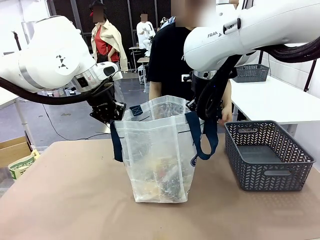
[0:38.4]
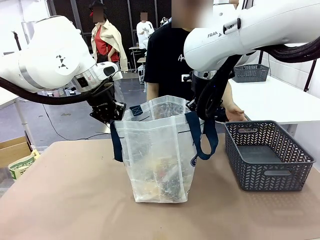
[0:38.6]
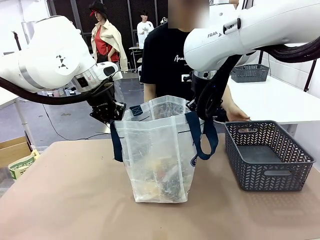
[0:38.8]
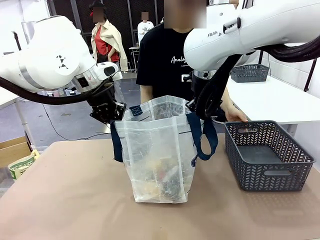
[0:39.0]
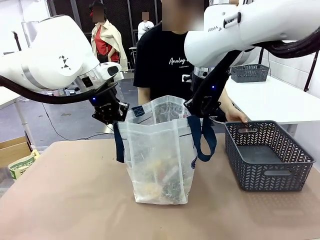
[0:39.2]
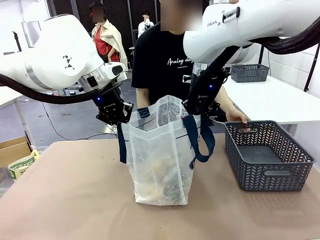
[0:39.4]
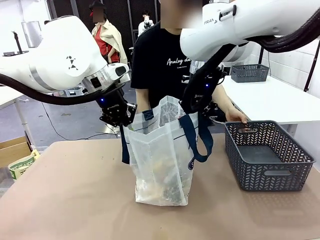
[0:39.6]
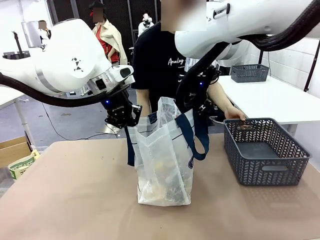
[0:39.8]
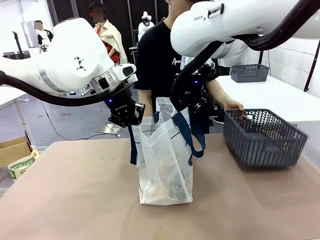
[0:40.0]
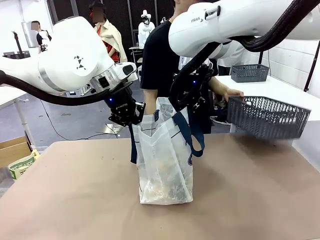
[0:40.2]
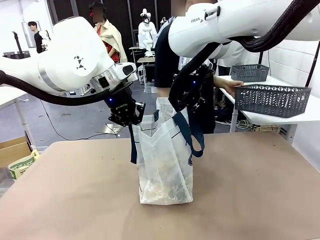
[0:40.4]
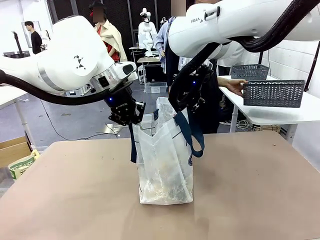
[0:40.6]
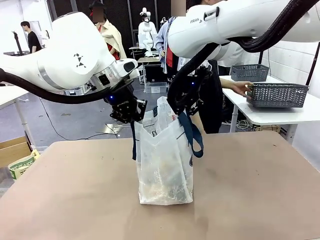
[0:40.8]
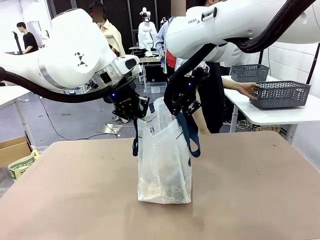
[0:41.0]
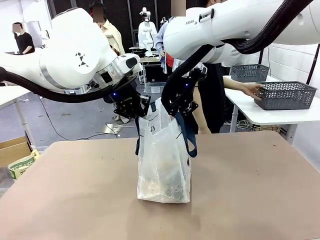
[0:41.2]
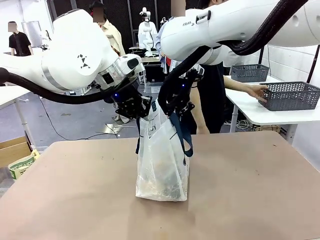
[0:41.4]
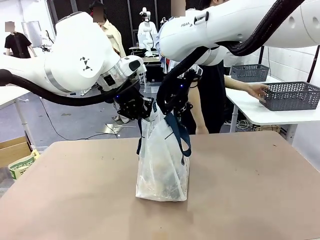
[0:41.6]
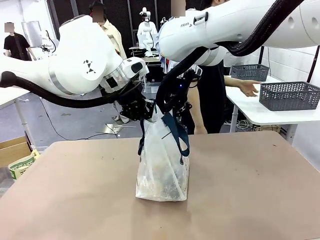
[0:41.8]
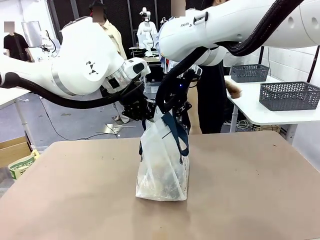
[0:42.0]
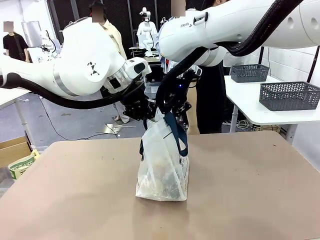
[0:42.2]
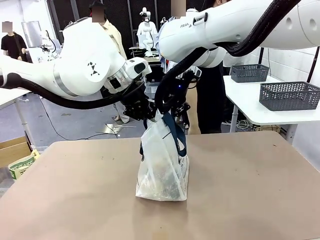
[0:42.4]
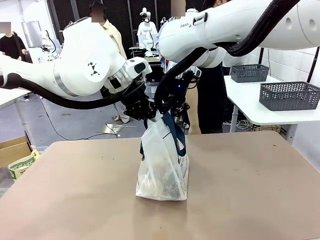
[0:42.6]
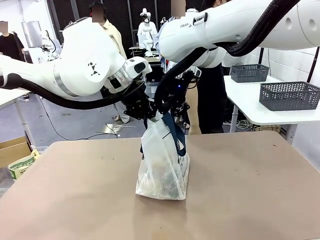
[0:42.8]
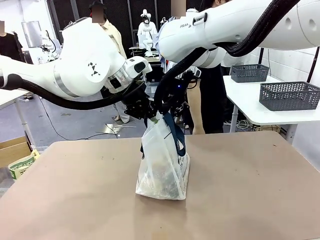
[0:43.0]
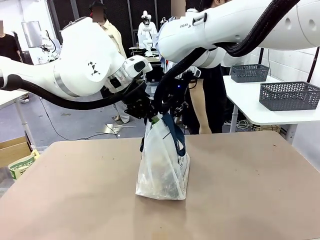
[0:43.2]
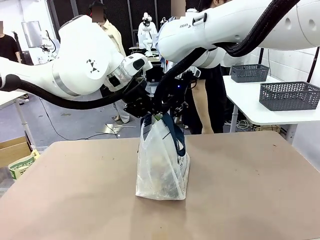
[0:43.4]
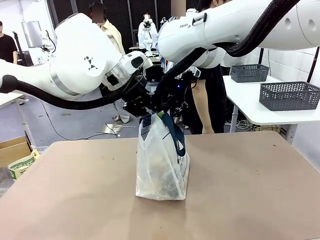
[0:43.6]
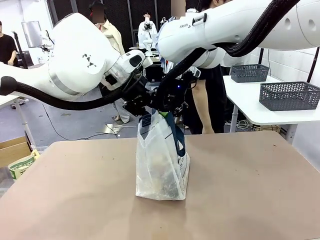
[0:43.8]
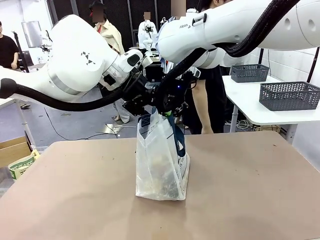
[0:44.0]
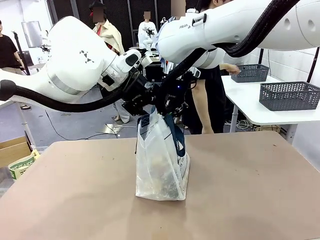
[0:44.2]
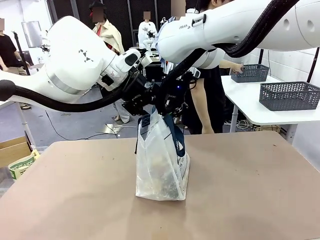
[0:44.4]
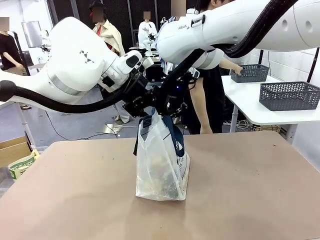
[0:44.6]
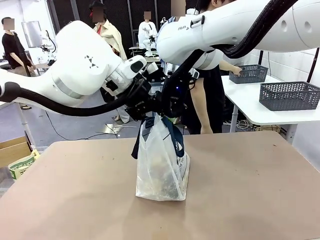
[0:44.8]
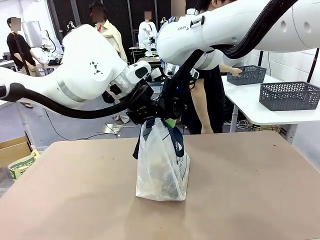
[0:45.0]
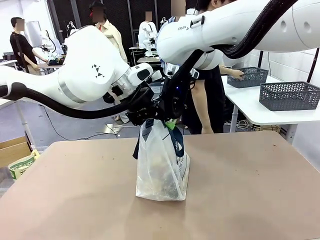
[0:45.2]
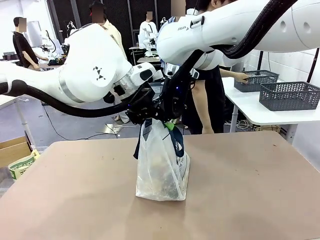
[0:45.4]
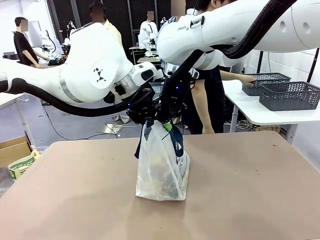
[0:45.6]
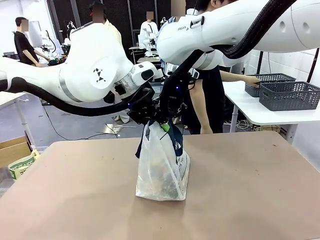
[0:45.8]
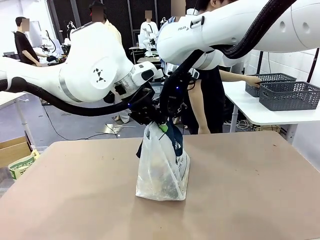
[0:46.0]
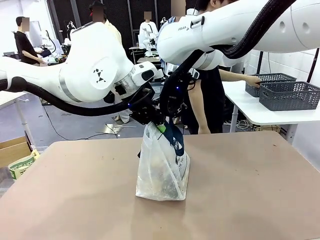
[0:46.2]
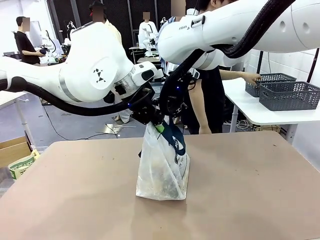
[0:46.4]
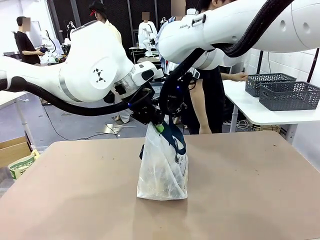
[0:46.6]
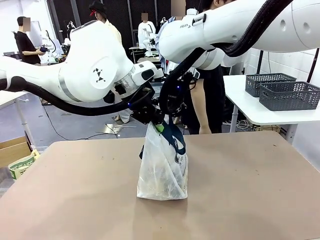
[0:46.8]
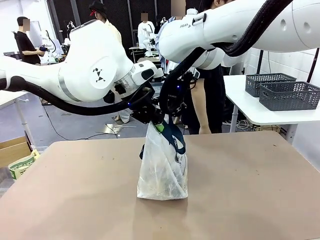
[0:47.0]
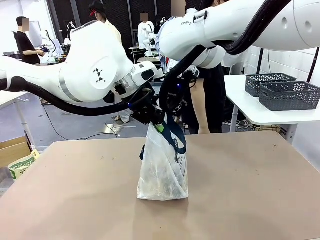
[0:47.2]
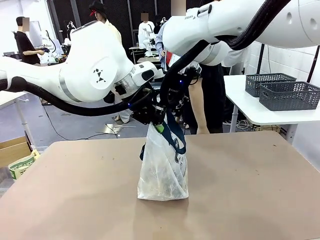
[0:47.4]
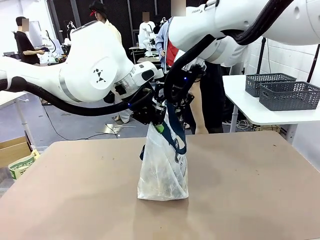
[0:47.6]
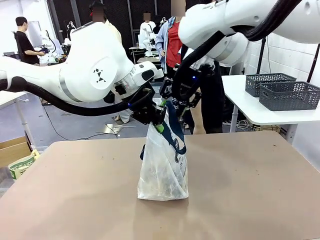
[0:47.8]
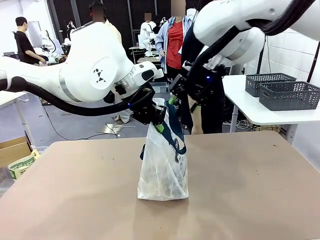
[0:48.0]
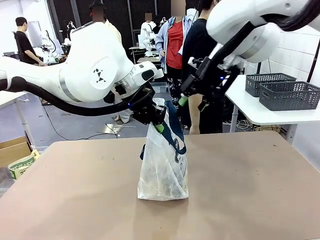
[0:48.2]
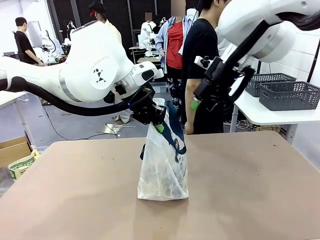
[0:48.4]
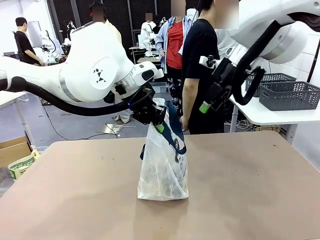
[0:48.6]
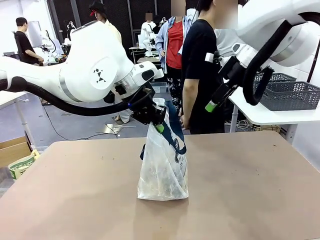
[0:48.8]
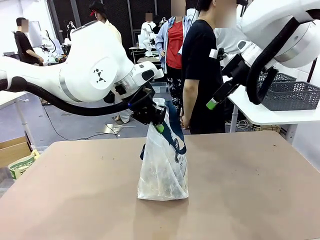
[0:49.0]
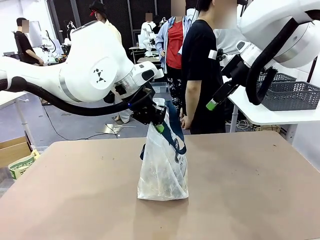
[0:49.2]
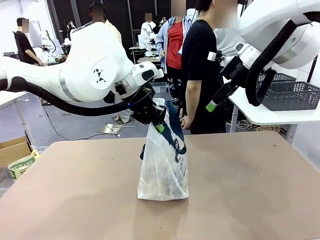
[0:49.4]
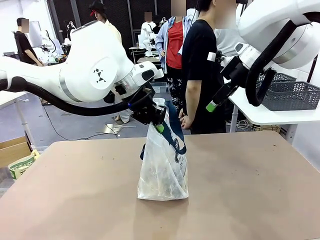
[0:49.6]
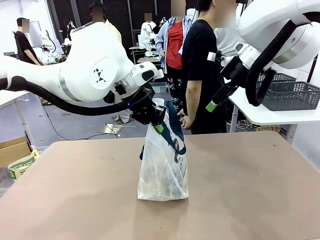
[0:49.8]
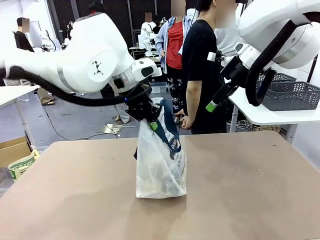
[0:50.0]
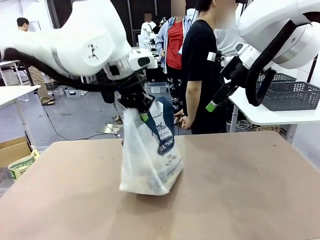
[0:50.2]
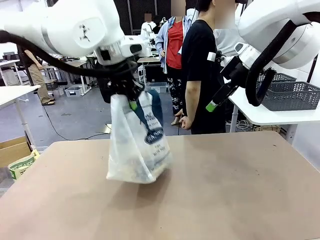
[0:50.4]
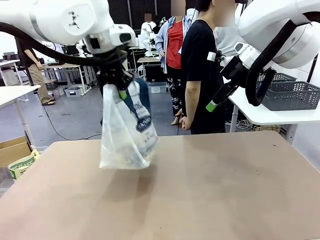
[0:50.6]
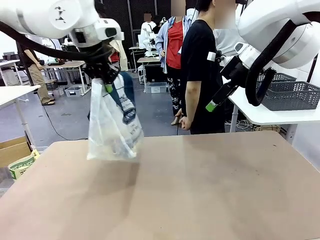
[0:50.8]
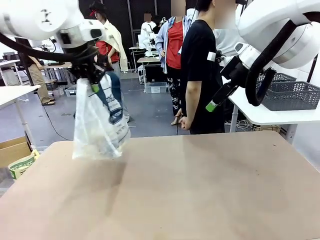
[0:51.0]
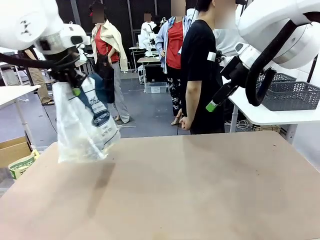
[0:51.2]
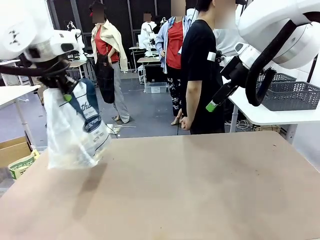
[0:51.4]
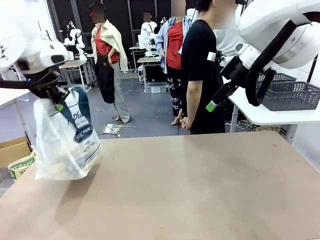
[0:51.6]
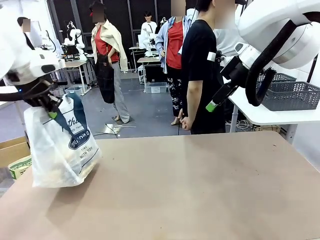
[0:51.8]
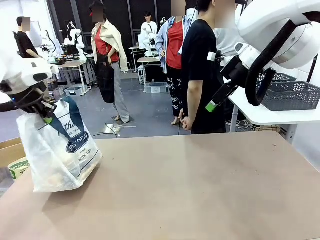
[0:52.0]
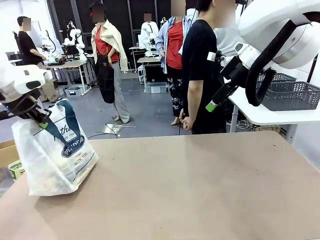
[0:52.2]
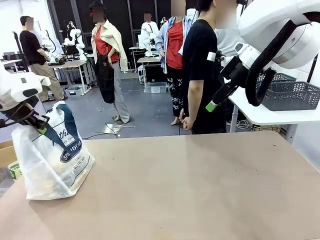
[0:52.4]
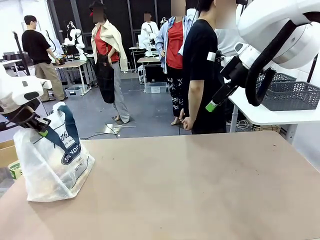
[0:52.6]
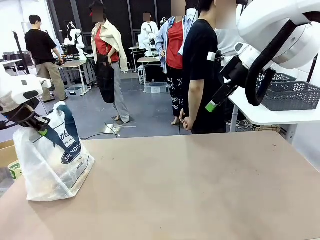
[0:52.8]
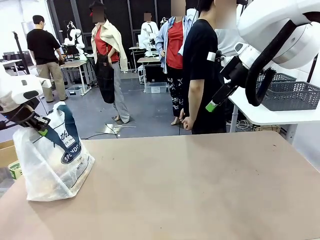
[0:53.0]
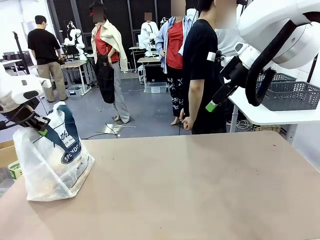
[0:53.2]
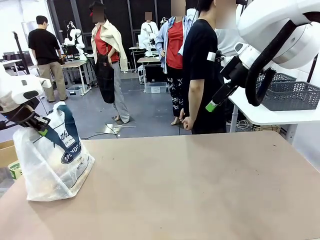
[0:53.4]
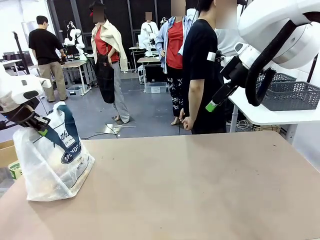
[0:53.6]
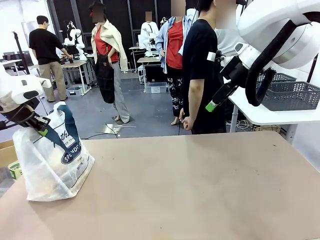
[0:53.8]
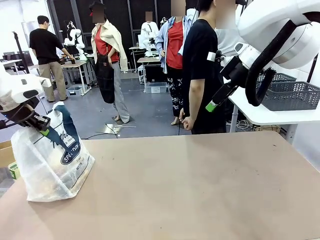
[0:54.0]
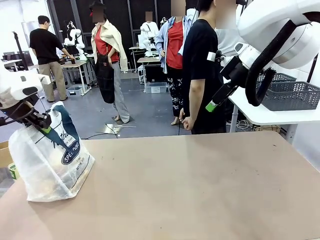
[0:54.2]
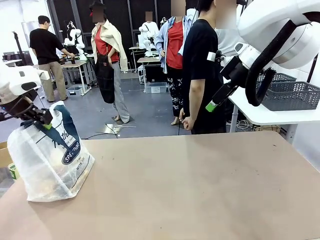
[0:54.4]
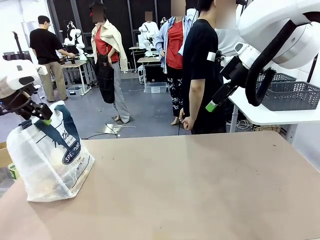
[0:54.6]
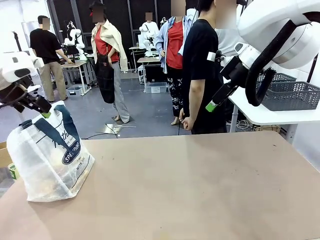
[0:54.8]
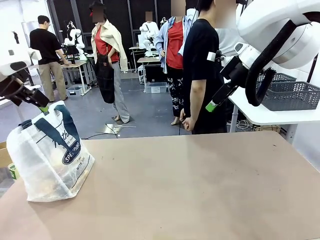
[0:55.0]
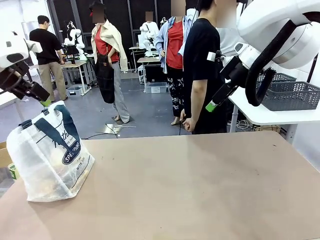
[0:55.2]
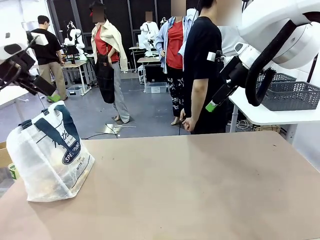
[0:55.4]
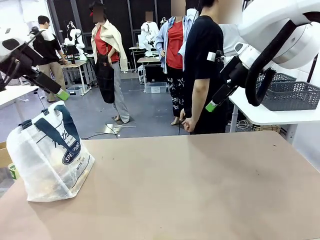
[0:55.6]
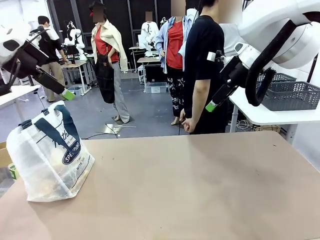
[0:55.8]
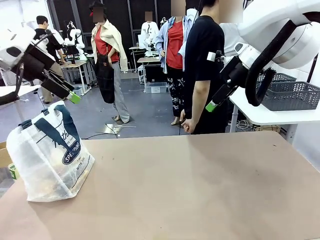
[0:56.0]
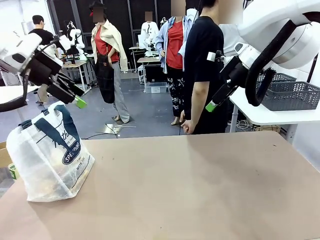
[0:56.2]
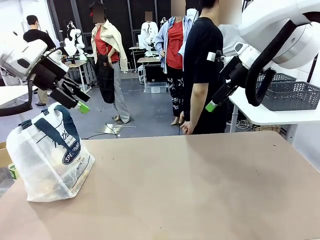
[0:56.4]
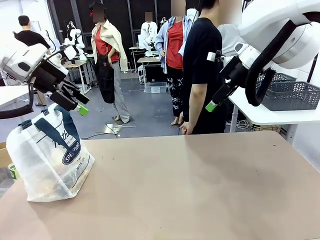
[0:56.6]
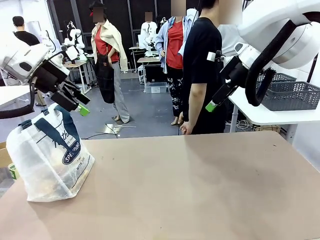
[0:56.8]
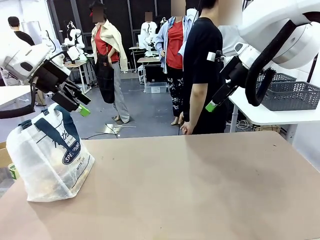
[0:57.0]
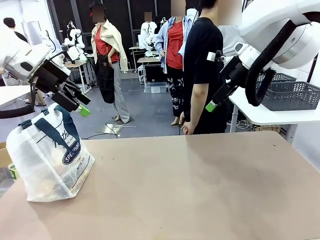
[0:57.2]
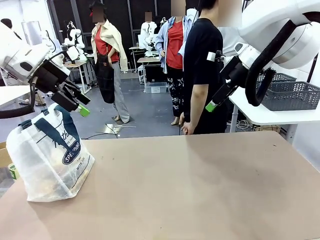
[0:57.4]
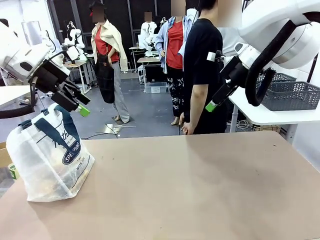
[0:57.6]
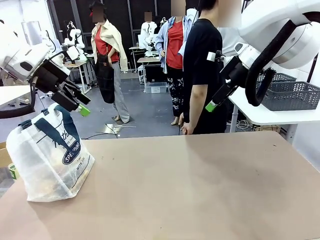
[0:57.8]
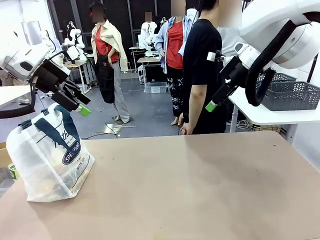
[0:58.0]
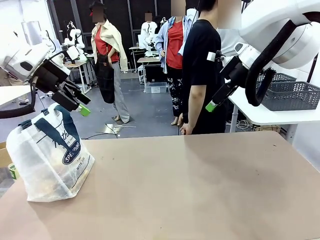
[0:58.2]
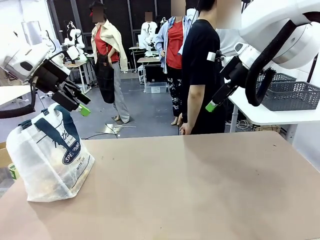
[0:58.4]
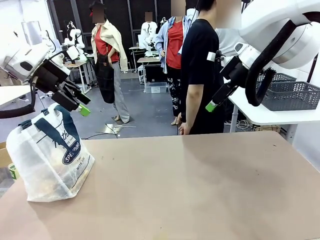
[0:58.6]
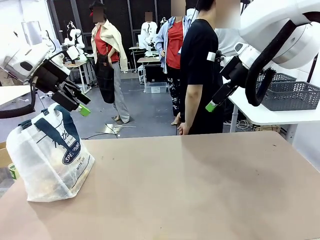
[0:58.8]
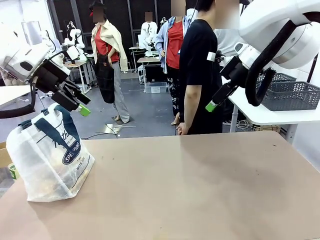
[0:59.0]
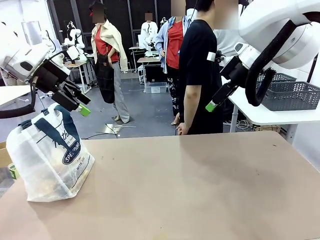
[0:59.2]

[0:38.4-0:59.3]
Task: Transfer purchased items from the store into the shopping bag.
Robot: Move the Reusable shopping bag to the right side of the table.
Person: Pick up the basket with the items out and place it on the right side of the human table. Move the basket on the left to the middle of the person's table.
